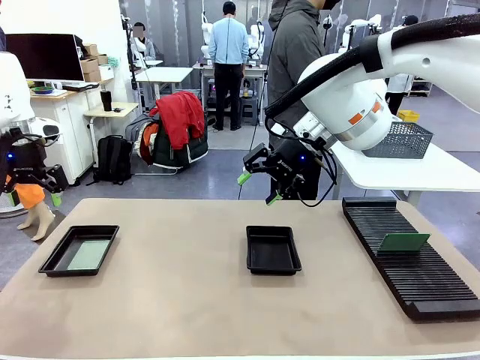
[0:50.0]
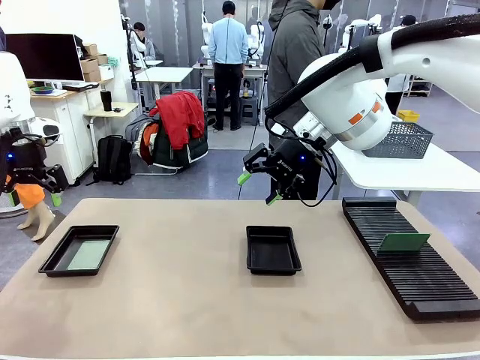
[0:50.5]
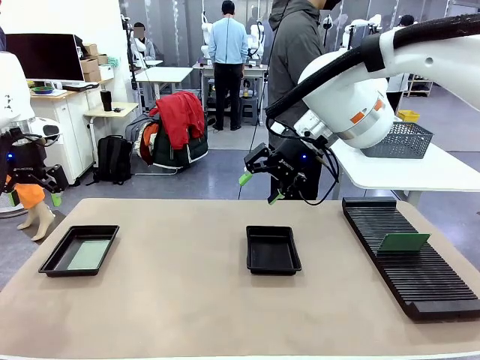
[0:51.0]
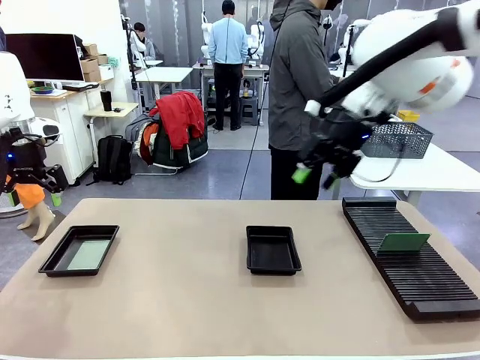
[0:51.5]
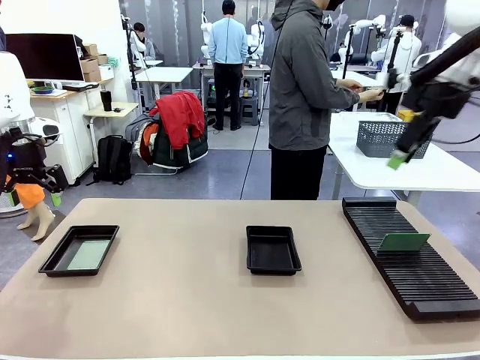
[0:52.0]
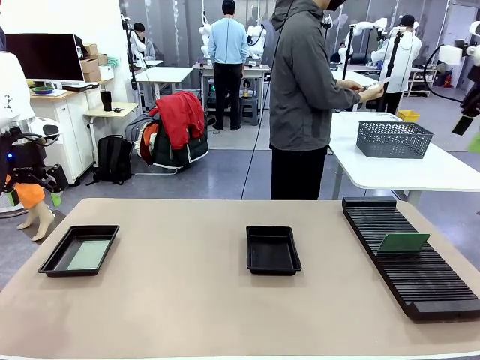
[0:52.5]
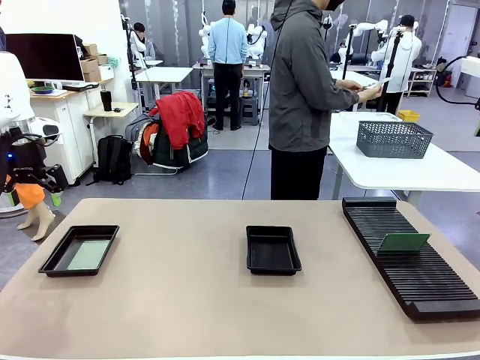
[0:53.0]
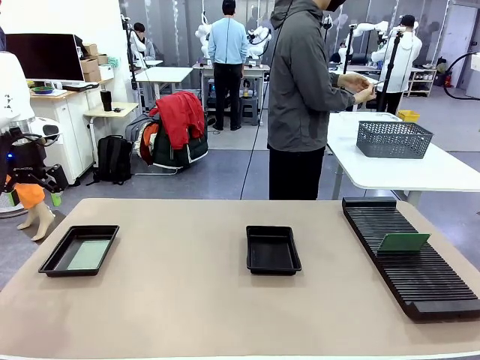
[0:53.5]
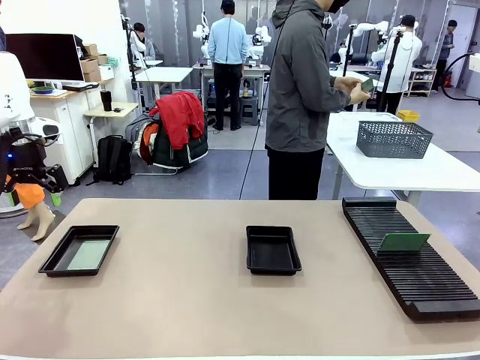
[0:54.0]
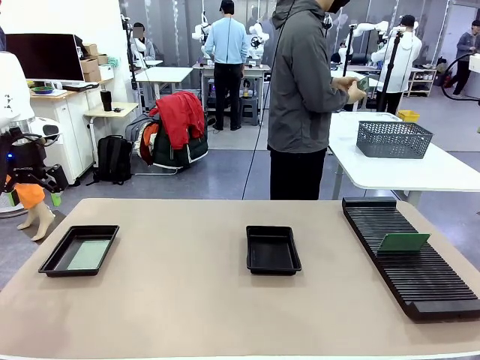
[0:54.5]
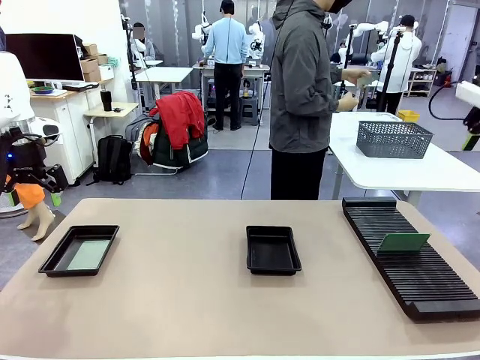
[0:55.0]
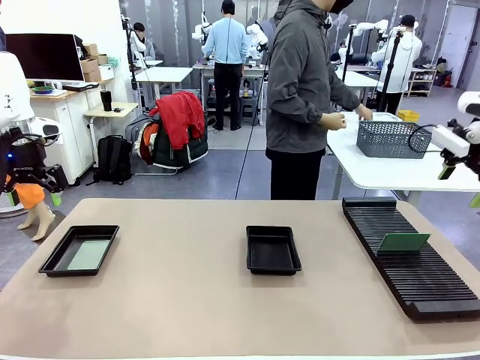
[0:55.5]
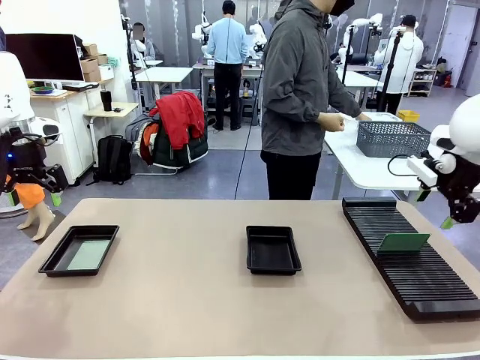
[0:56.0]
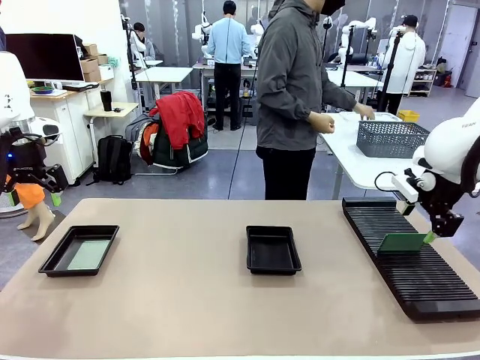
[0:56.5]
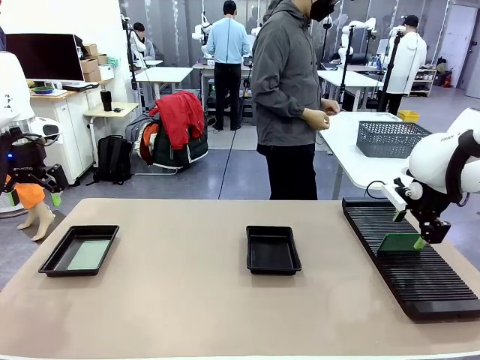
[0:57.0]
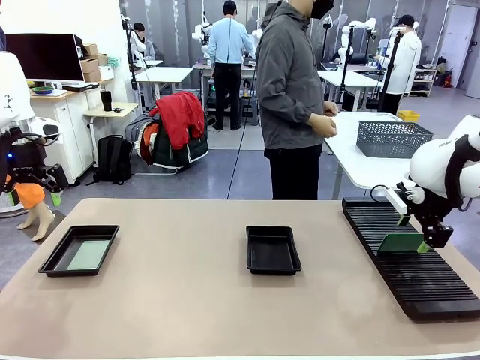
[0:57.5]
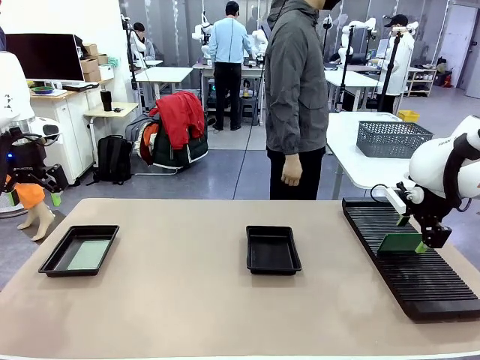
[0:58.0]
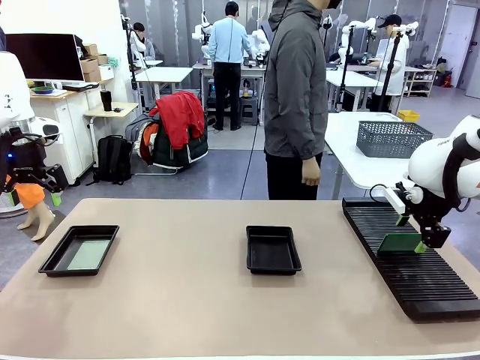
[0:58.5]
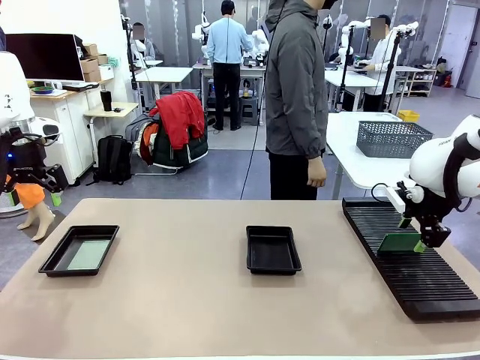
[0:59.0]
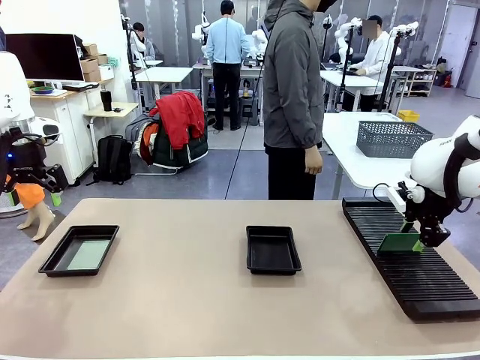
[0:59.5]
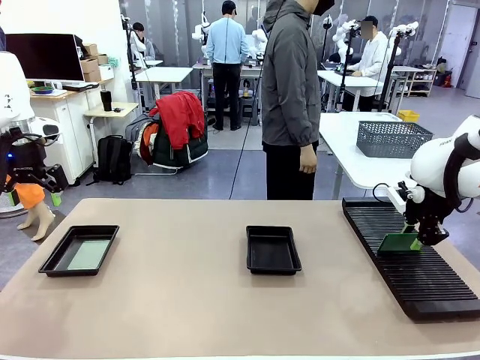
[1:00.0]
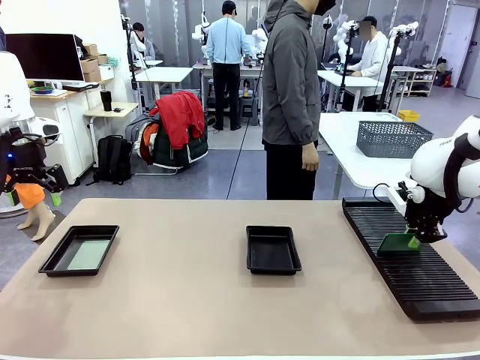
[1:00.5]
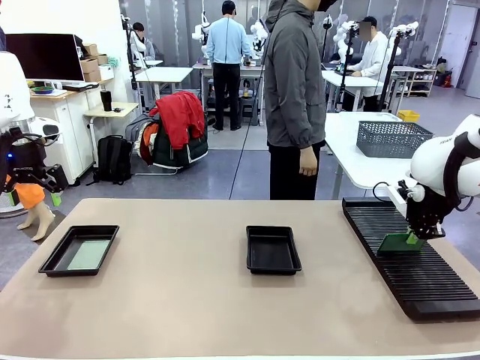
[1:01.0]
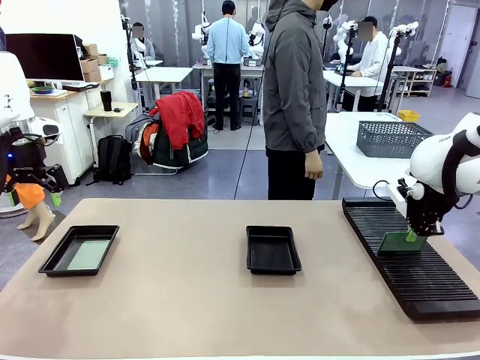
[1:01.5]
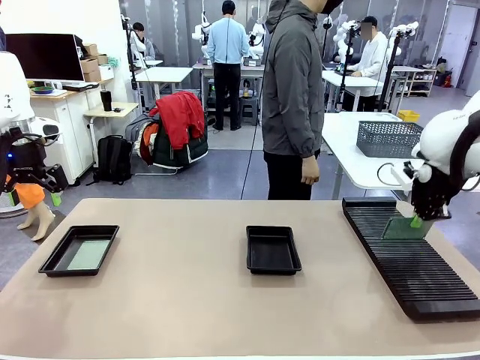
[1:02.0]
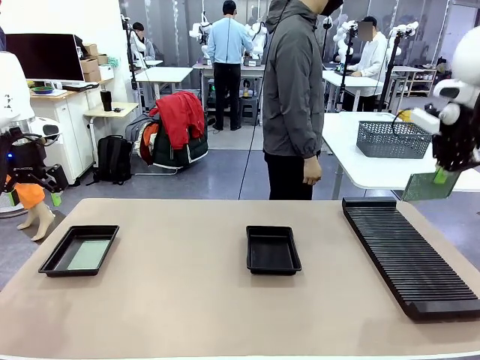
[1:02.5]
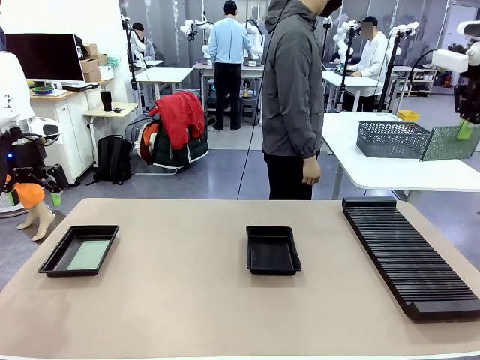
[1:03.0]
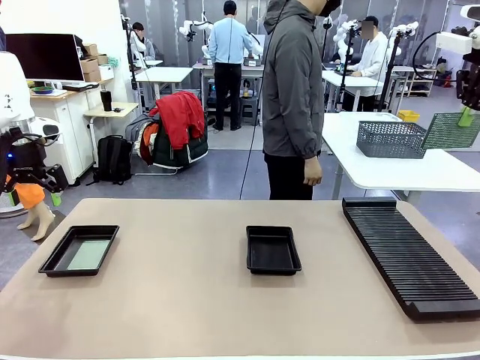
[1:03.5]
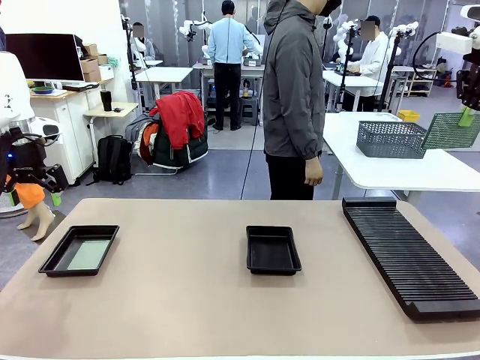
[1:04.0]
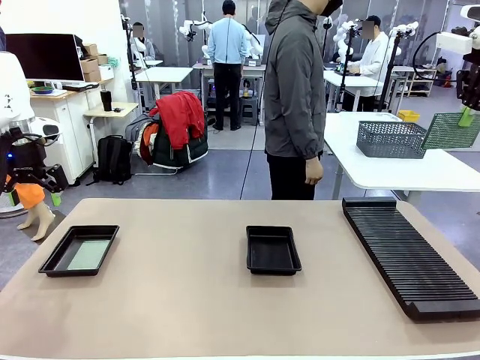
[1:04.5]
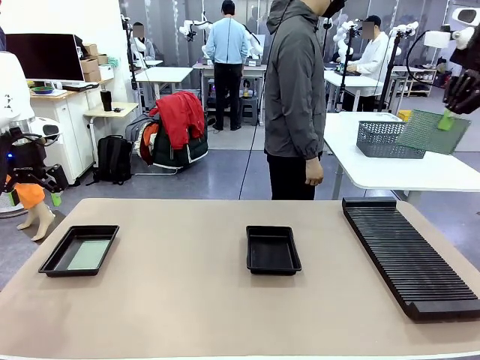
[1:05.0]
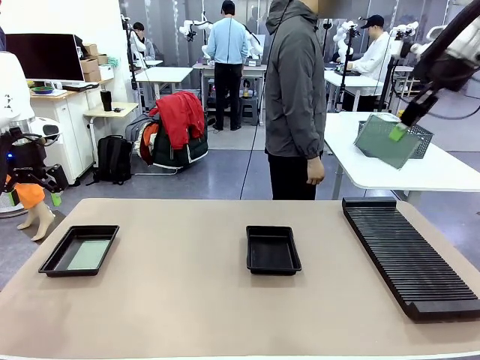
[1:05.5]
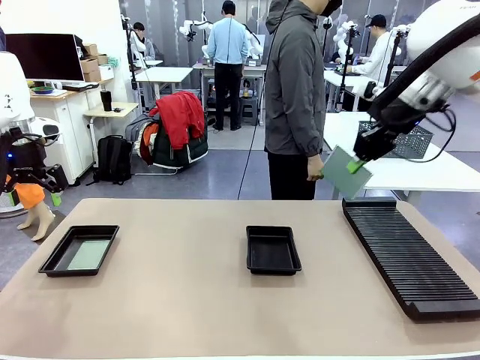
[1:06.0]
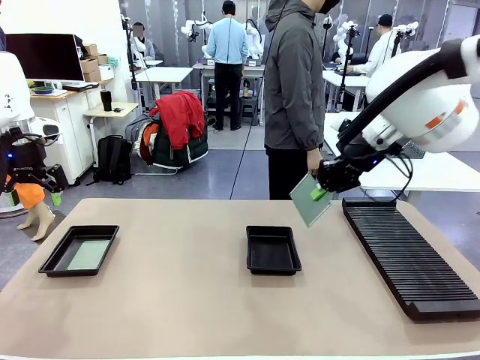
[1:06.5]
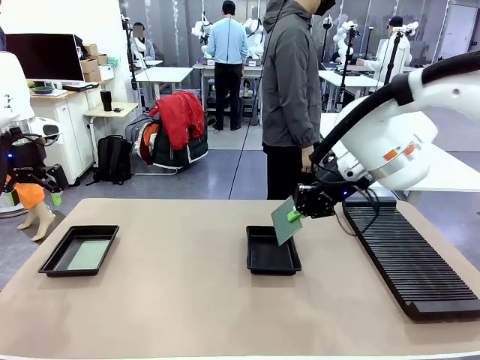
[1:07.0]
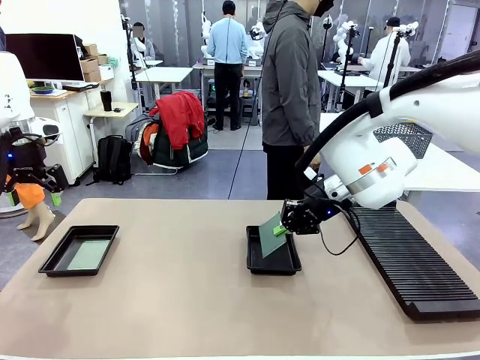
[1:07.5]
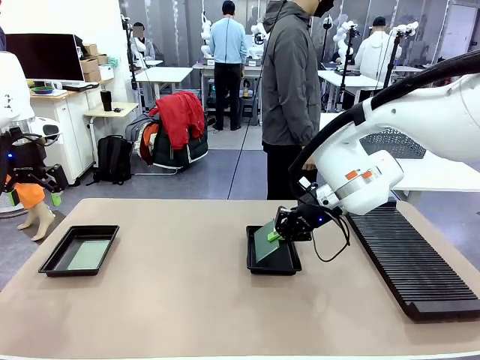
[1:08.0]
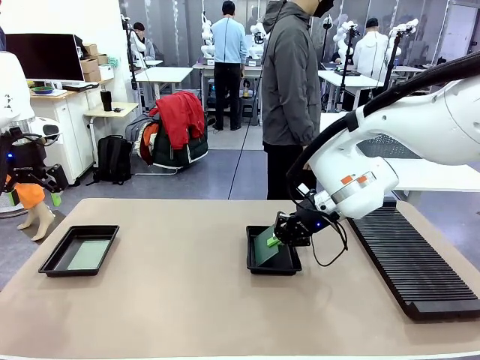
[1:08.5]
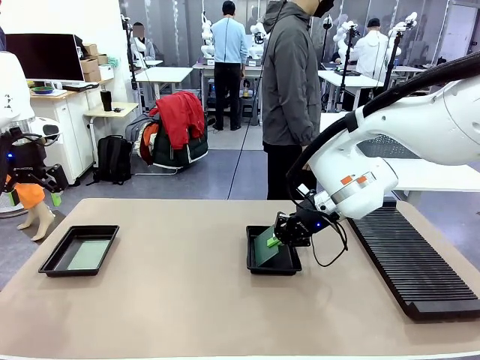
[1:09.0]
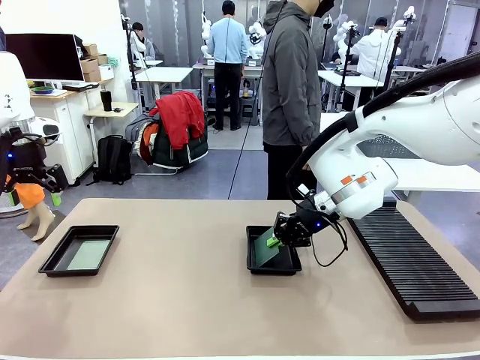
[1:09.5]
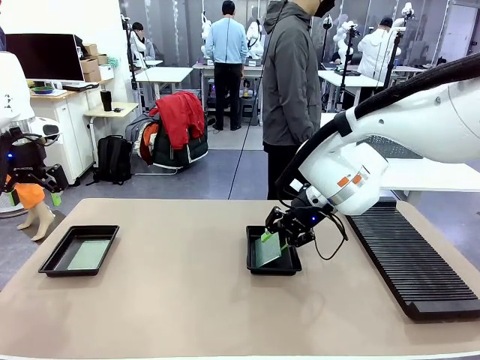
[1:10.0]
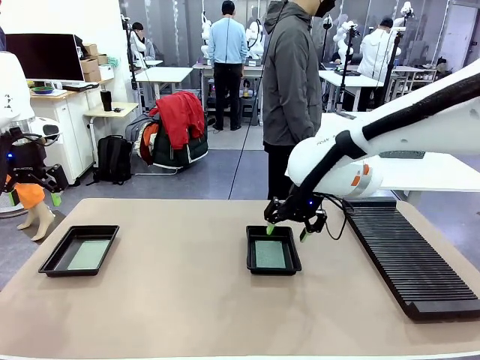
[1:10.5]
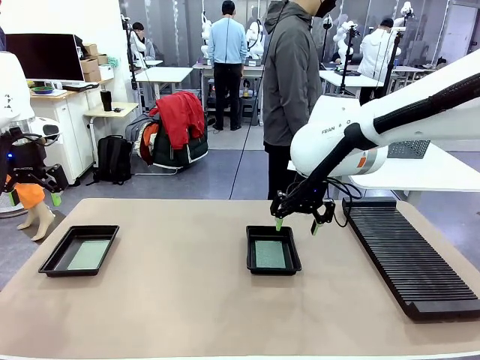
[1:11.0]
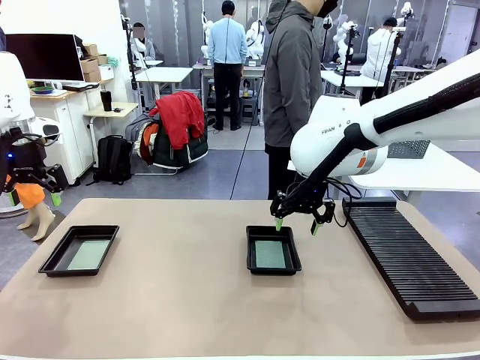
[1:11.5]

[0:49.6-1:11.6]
Task: Inspect and transfer BCBs to ESD trays.
Robot: Pick up the Blank PCB from the PCB Rack and place it in the right ESD tray.
